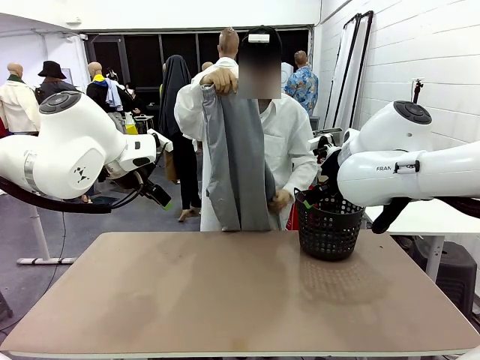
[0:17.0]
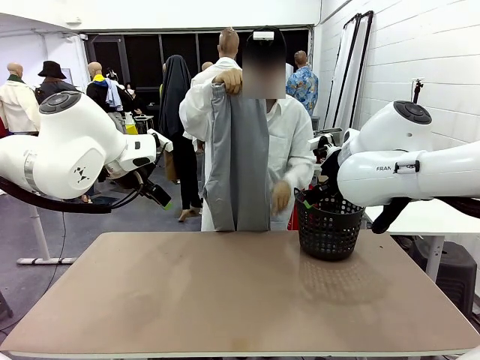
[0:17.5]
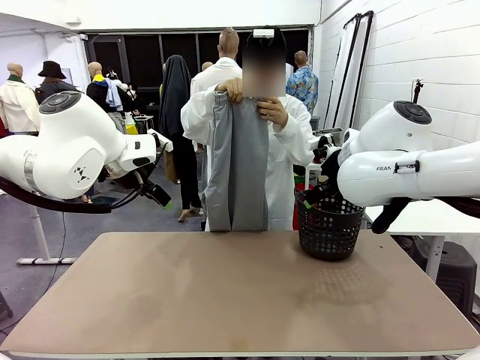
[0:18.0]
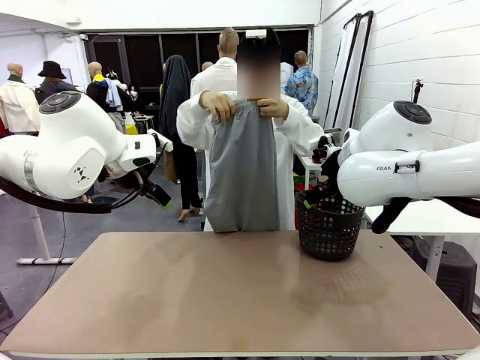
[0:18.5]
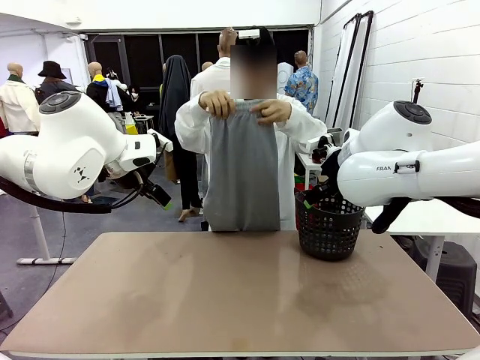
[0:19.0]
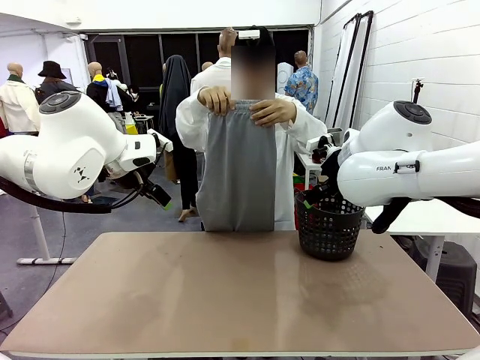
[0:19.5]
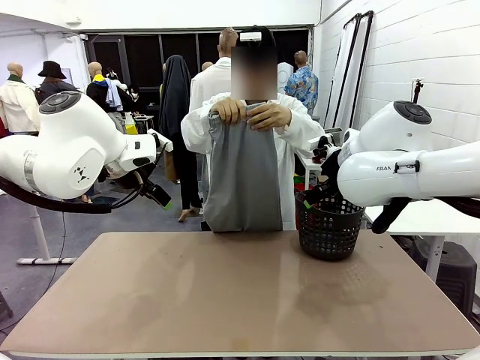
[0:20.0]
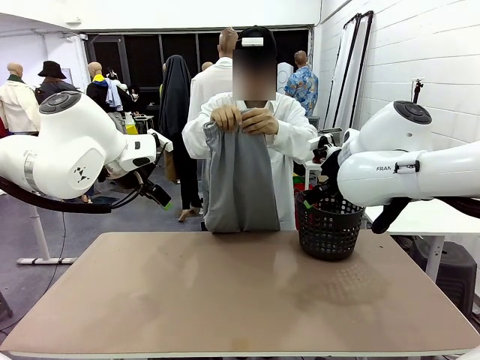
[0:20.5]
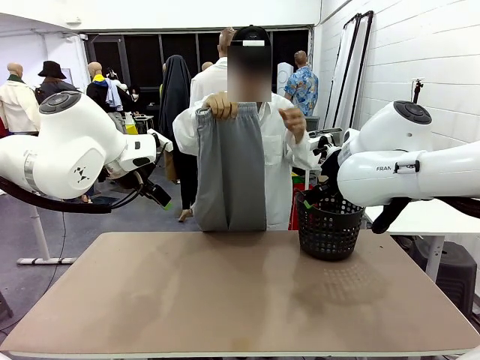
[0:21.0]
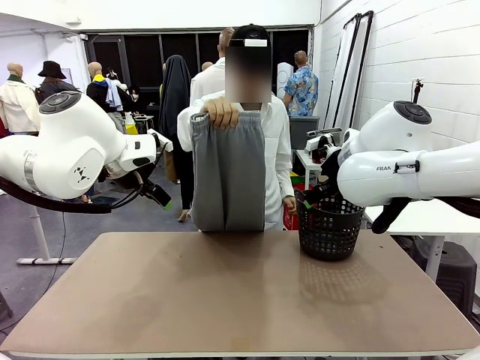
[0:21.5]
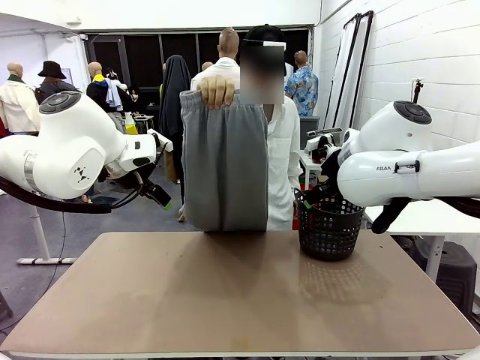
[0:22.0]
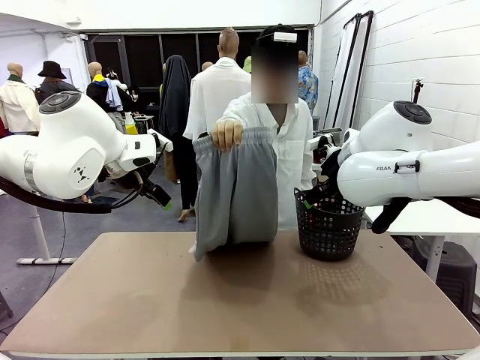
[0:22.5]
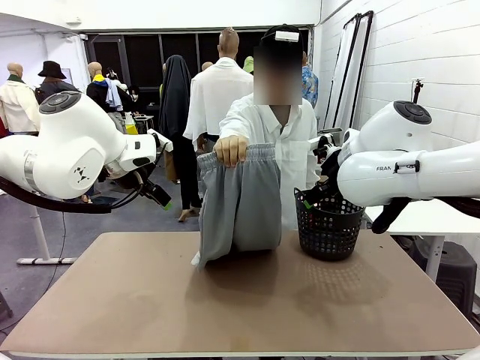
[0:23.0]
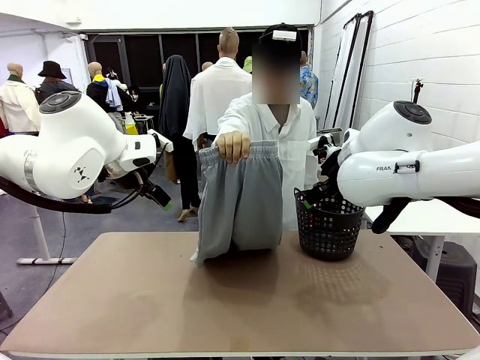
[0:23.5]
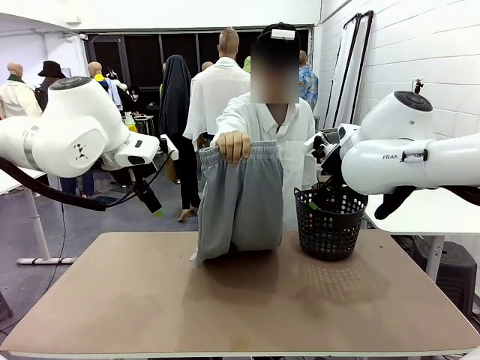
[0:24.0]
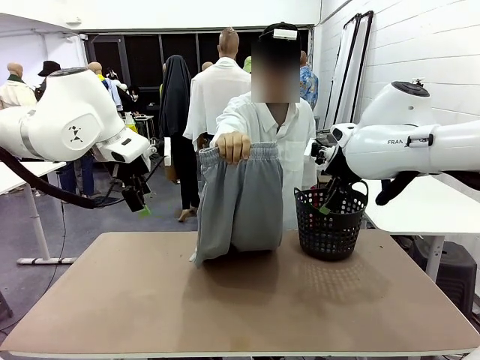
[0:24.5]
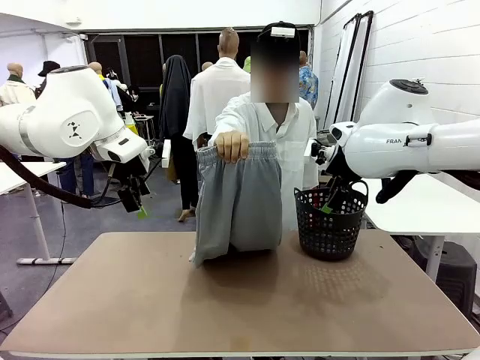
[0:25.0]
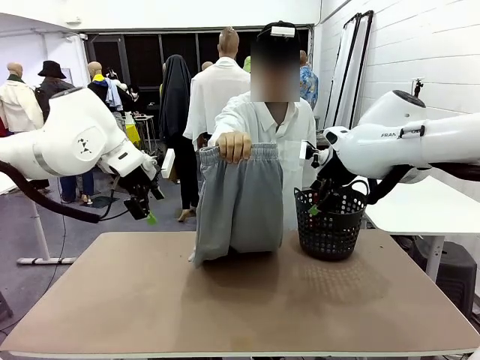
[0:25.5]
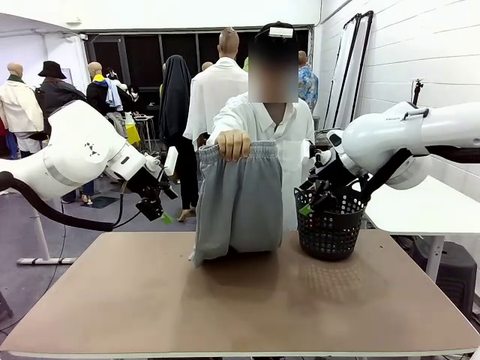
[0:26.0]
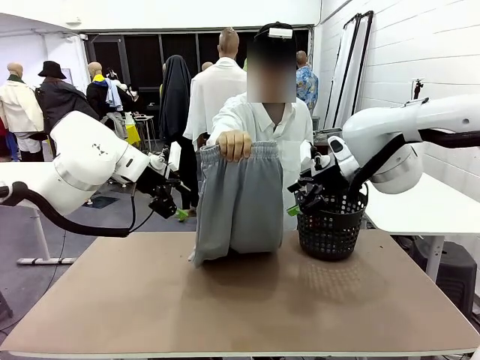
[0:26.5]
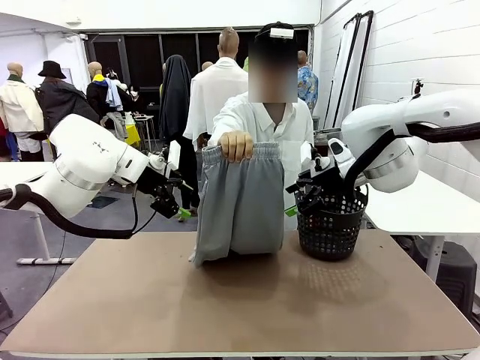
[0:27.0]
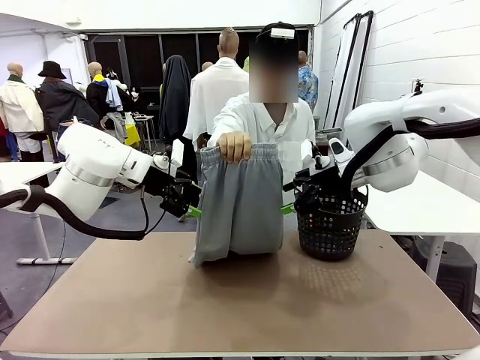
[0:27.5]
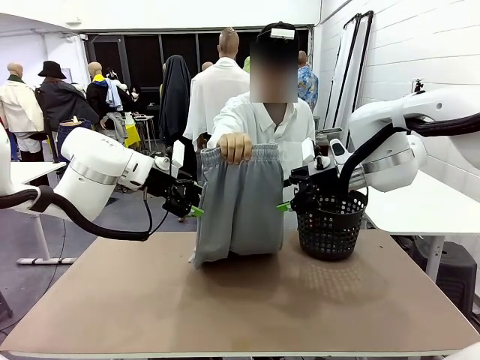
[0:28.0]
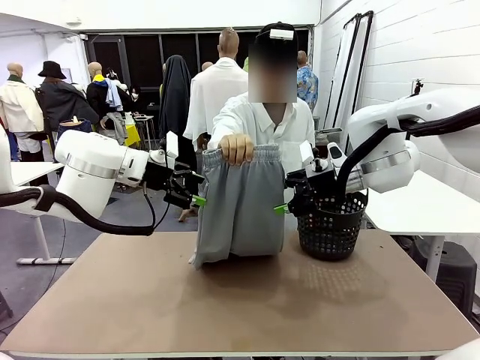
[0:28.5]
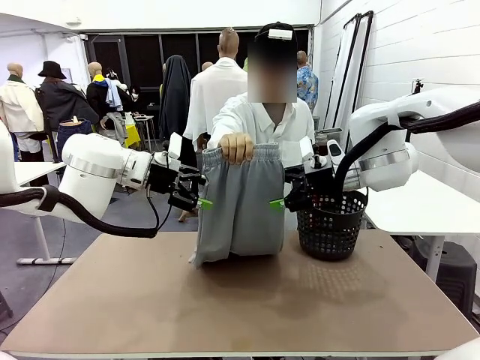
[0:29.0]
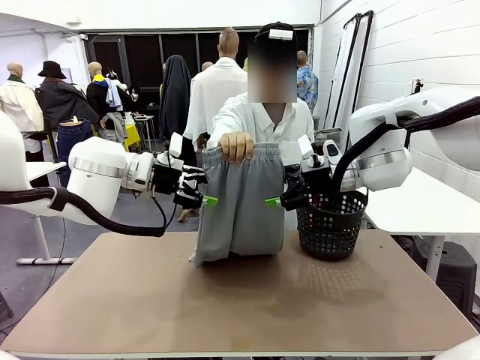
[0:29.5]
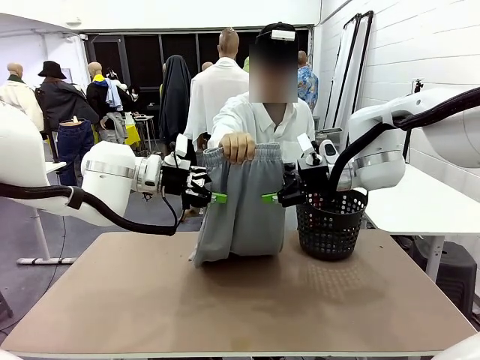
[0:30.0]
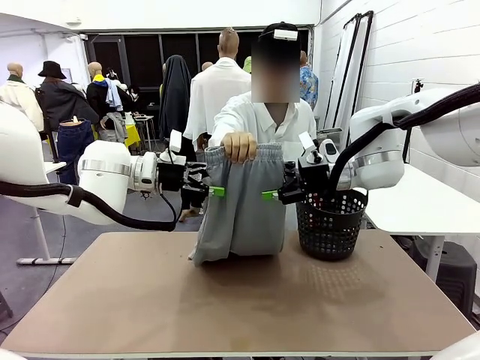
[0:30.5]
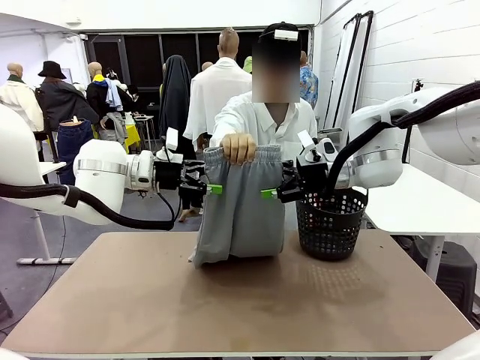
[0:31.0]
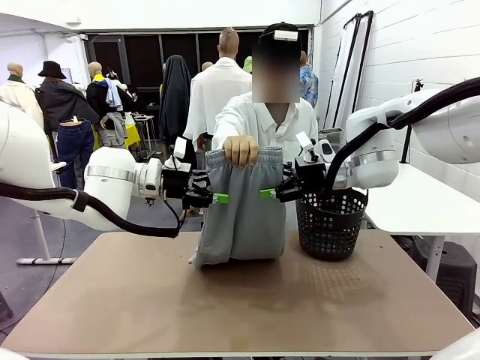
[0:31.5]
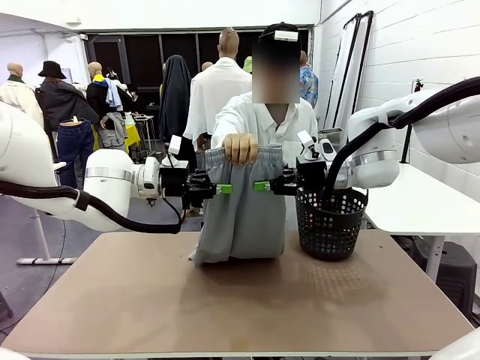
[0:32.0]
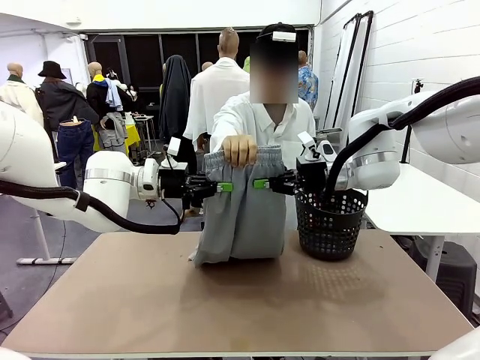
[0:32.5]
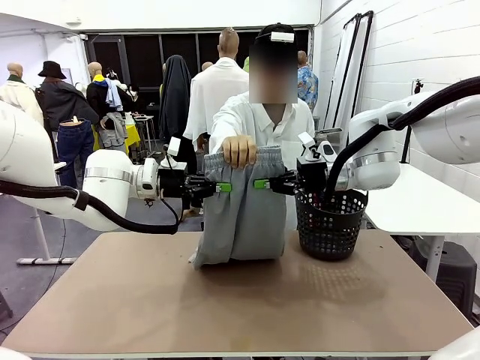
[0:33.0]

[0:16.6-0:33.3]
Task: Fold the training pants.
Robot: Grab both ends of the Training pants handed by a person.
